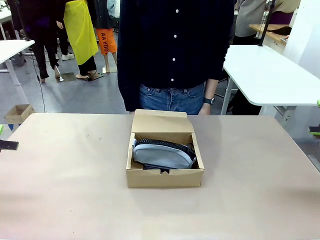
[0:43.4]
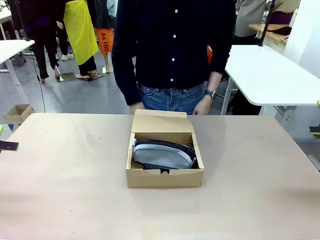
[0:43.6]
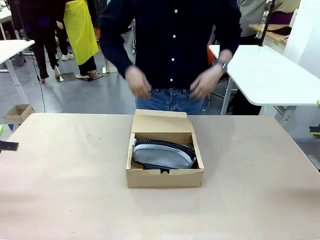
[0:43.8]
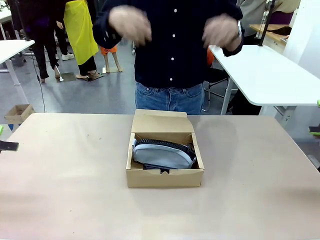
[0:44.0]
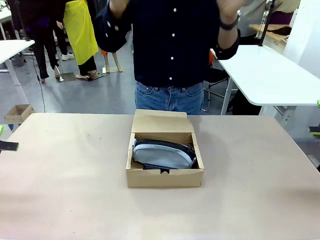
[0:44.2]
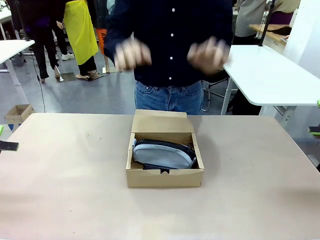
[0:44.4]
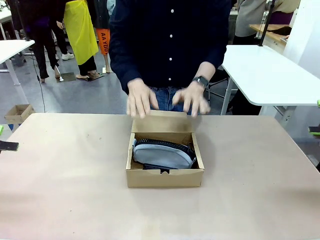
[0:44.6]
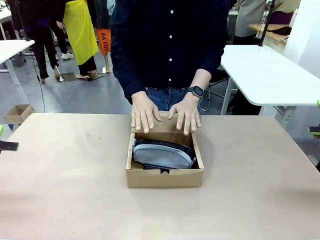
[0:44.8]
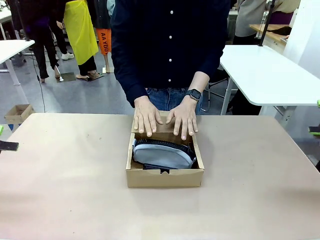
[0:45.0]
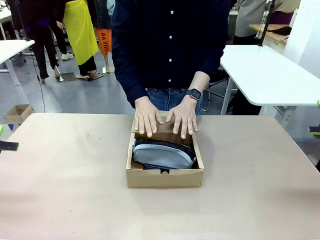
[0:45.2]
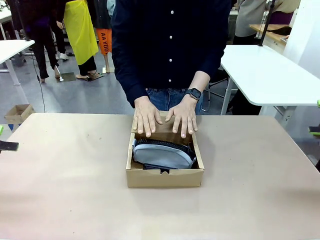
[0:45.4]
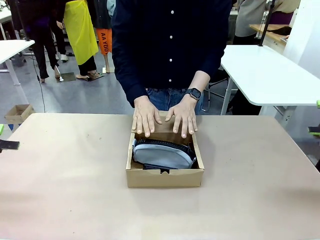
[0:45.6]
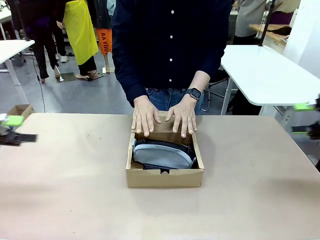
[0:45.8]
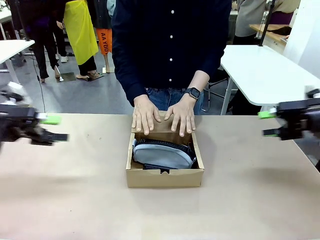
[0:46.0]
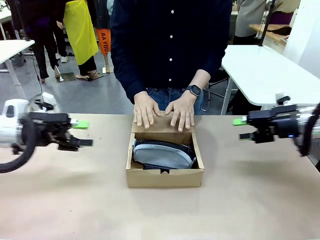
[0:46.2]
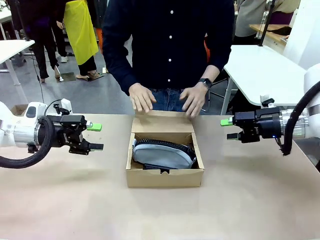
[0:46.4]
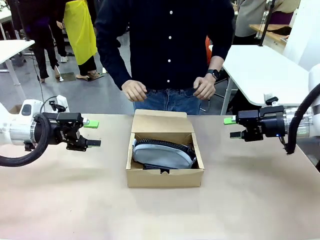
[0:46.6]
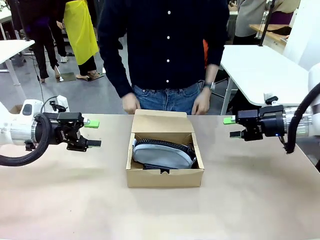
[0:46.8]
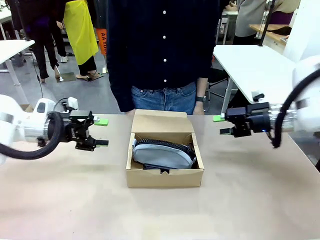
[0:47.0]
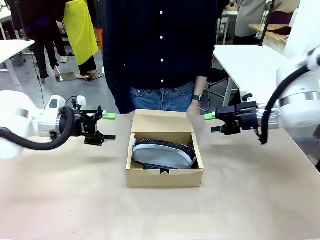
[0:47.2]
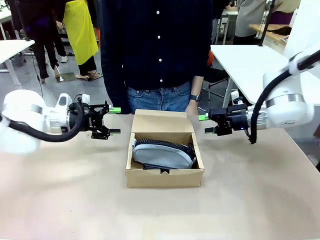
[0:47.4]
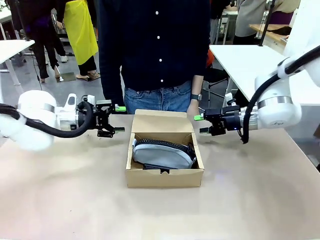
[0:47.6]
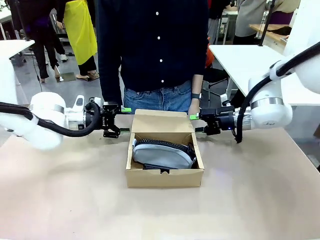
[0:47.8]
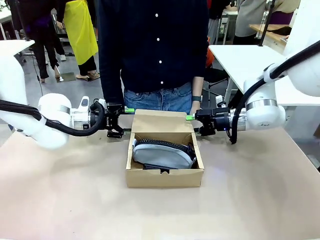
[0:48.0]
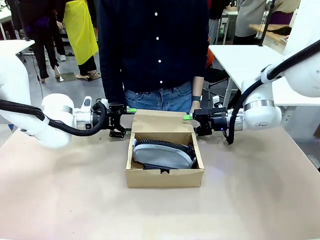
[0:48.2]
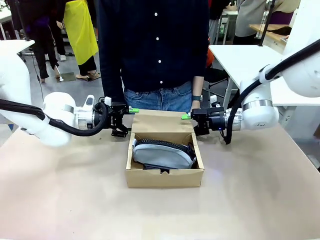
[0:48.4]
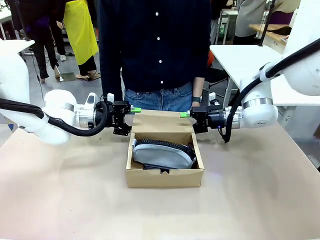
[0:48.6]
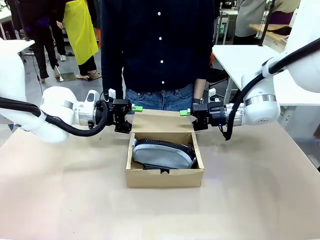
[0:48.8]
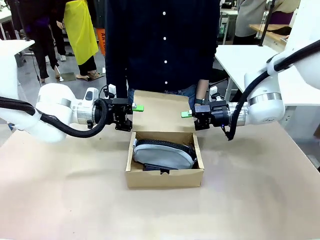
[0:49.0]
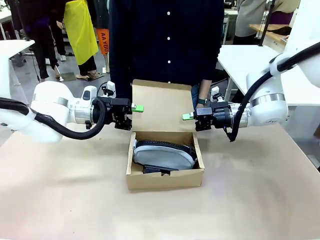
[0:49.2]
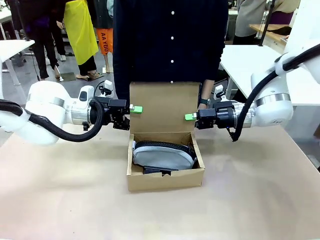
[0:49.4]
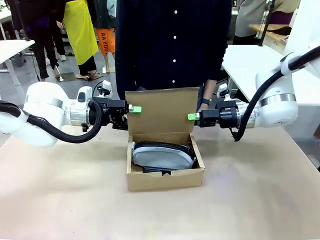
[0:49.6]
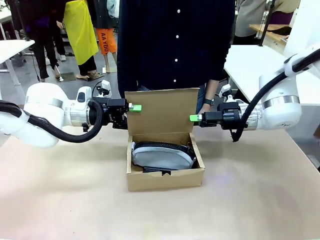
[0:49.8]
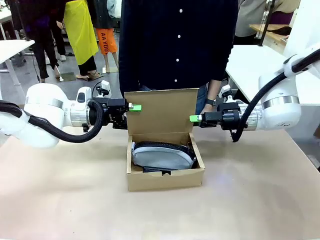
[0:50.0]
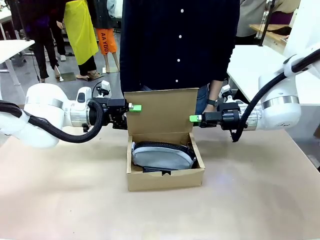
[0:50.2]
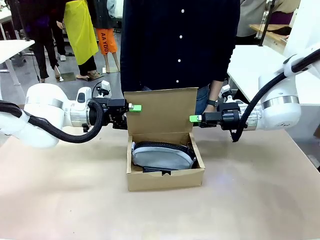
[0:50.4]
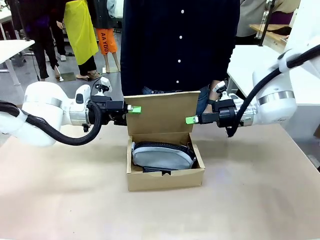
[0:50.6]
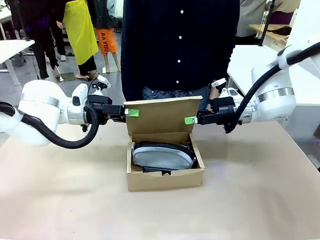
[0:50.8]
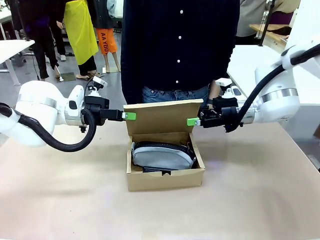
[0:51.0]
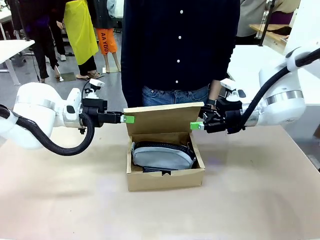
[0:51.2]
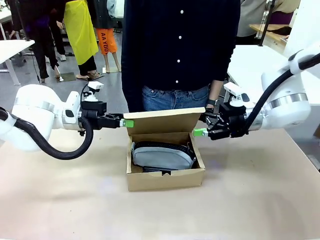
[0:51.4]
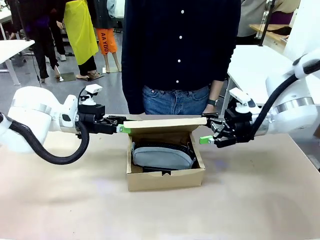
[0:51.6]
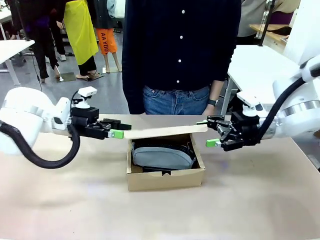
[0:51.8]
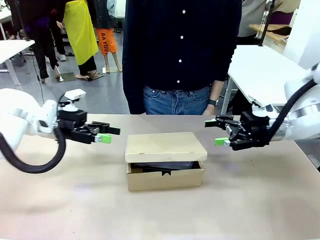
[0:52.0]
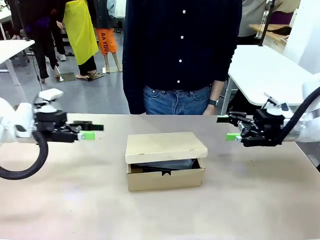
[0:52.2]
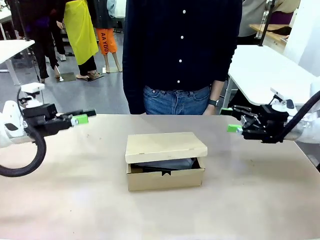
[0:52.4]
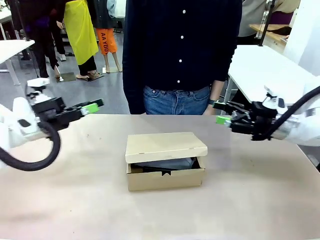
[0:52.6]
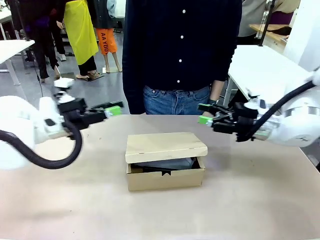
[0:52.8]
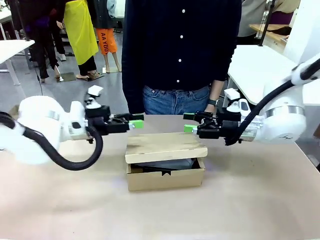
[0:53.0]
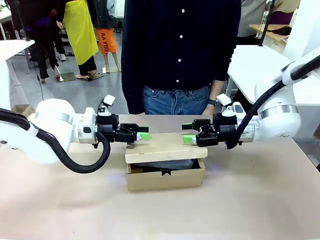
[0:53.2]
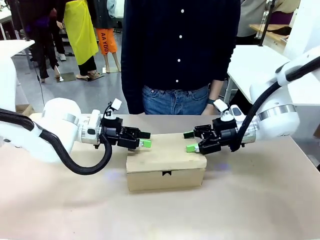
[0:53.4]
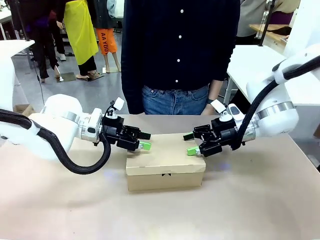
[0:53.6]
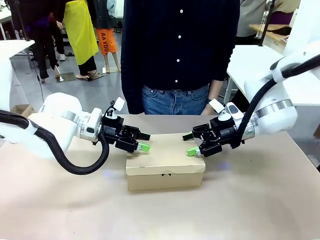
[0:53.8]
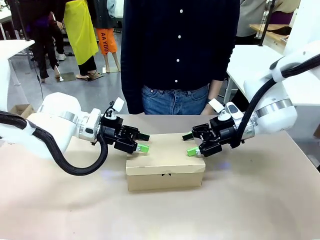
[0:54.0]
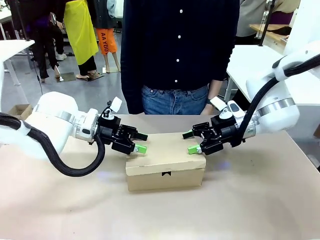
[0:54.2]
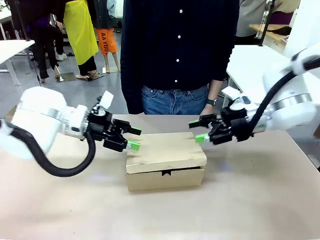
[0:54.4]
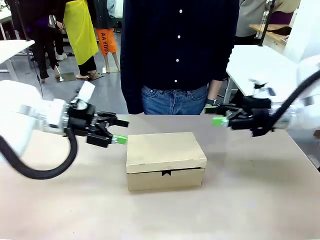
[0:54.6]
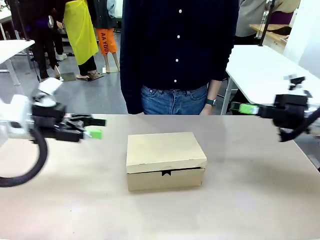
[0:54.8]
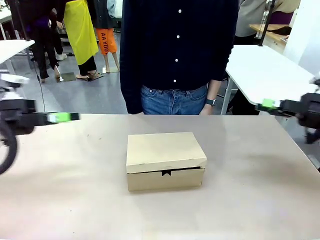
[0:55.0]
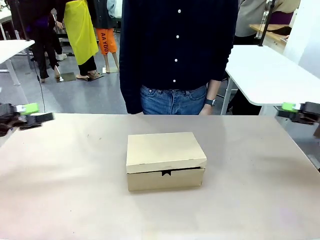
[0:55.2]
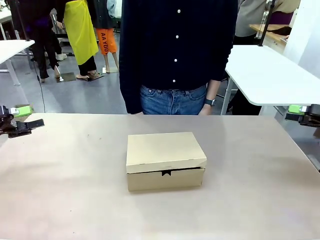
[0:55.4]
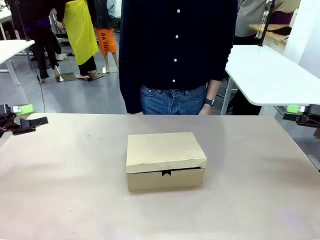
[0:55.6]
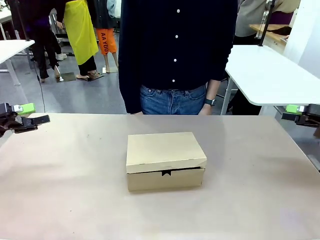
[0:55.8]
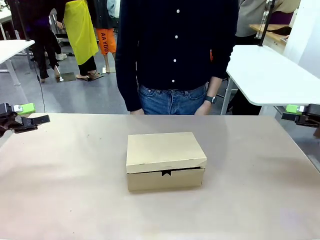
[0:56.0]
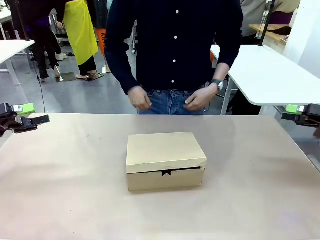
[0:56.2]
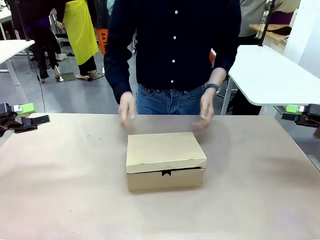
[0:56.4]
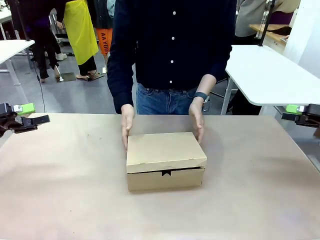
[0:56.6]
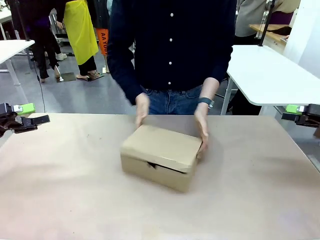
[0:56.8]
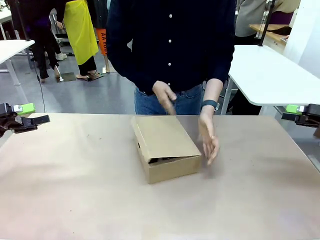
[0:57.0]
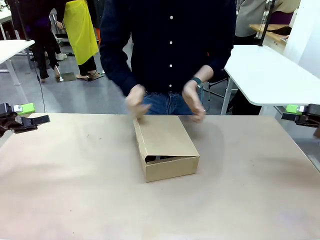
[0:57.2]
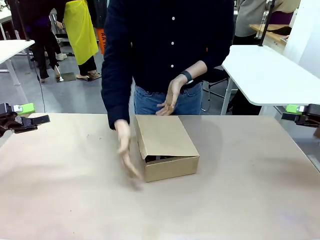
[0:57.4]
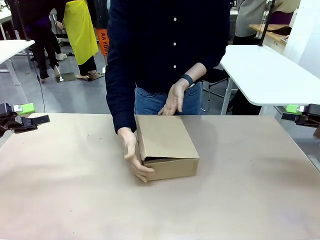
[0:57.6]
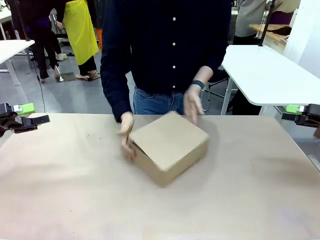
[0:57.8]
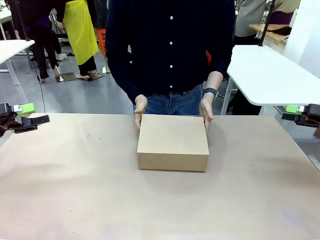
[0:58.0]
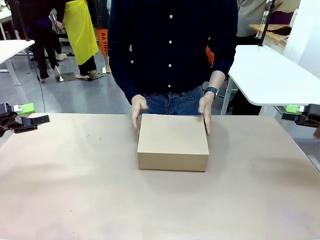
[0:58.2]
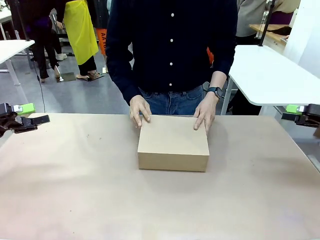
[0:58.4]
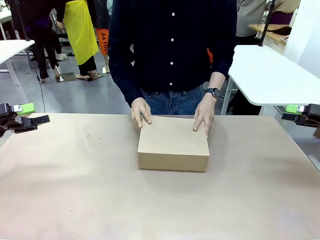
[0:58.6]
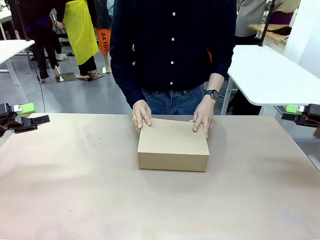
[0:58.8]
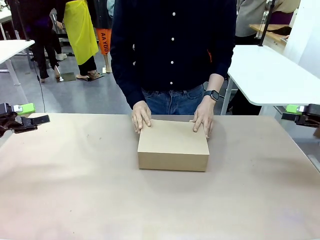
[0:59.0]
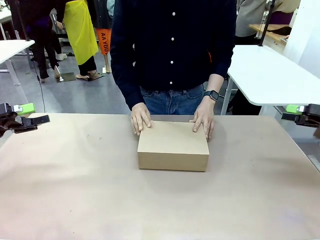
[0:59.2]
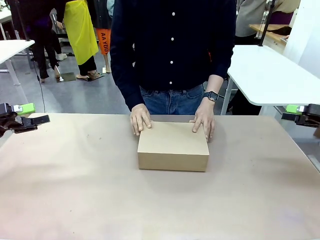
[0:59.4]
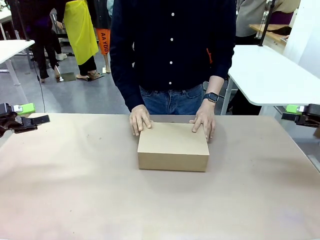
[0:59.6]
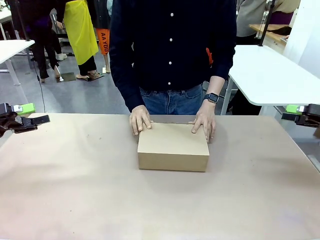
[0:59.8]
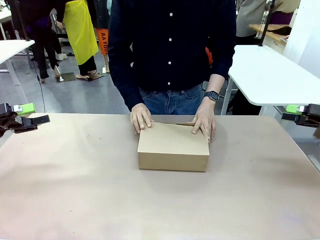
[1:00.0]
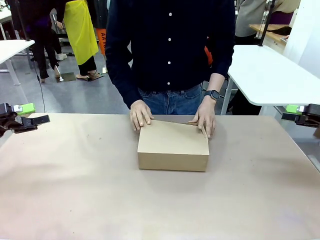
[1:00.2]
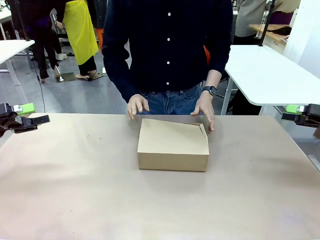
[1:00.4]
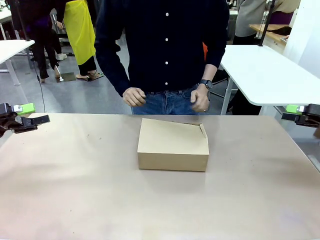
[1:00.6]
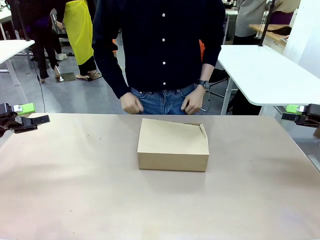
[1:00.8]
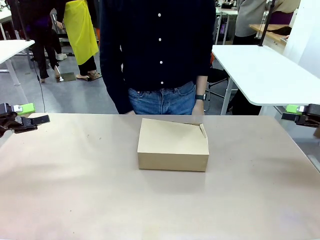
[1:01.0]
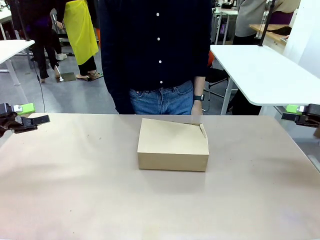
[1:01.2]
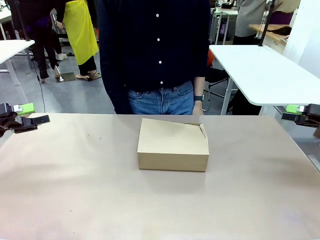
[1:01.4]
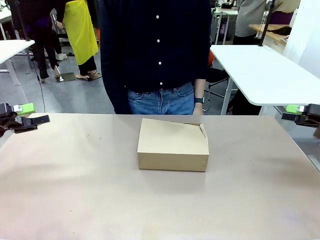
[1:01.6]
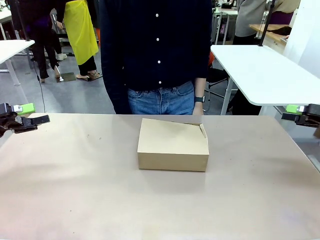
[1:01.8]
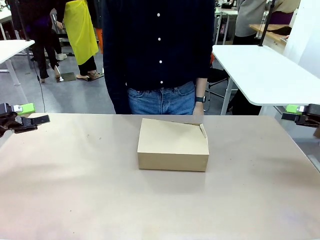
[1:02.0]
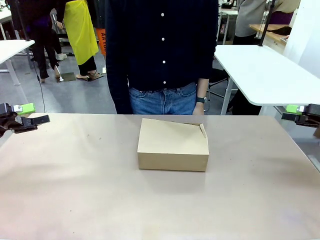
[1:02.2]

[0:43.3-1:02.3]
Task: Pack the items into the box.
Robot: Close the Mailer Box.
Person: Turn the box and lock it.
